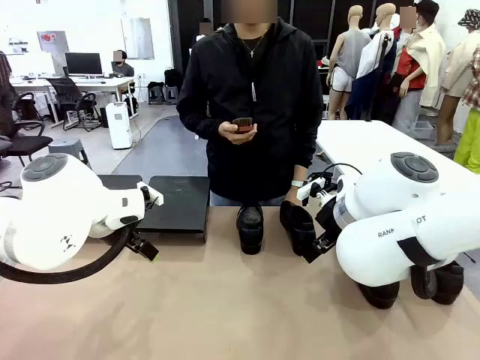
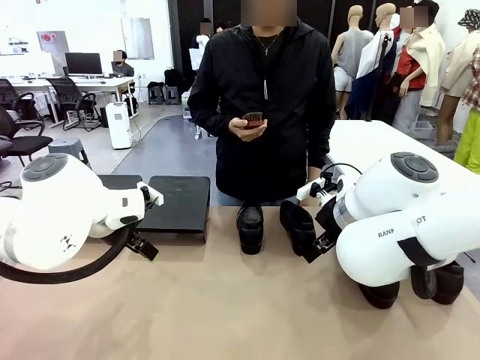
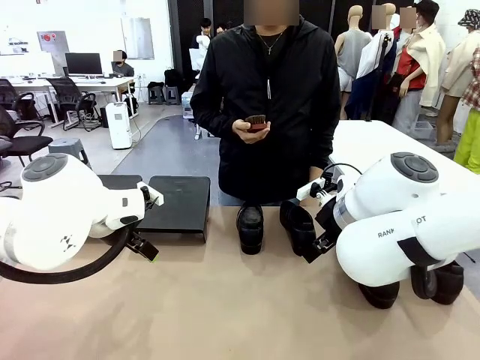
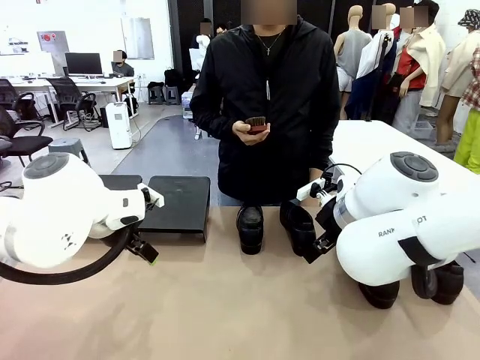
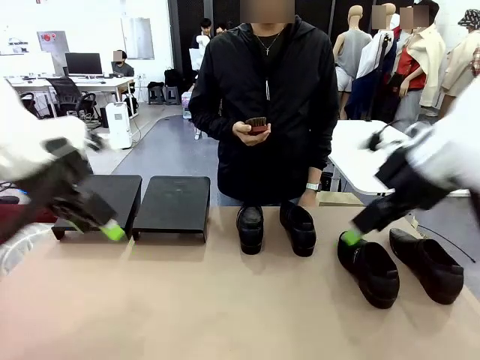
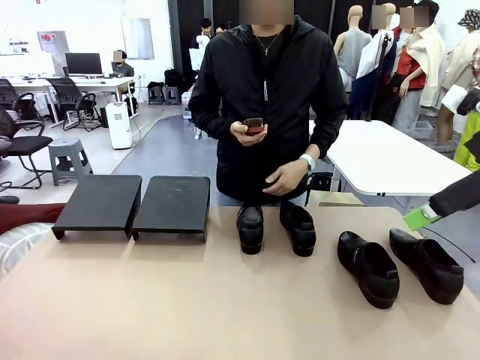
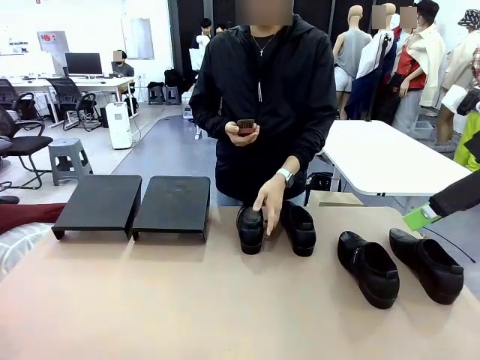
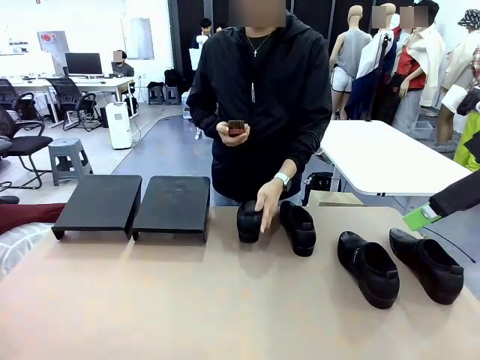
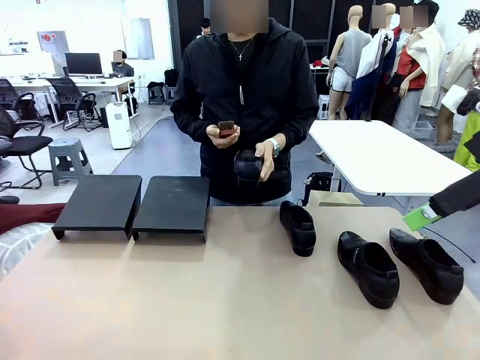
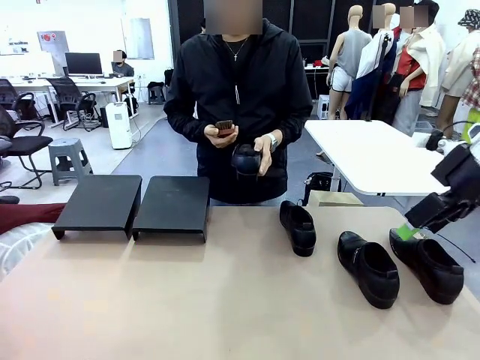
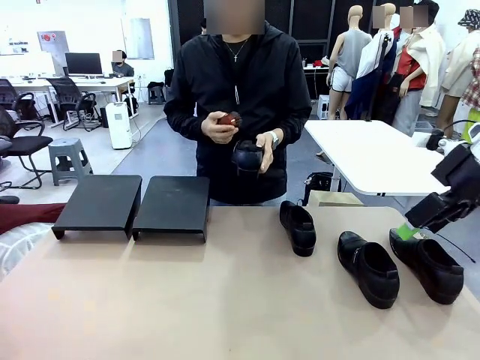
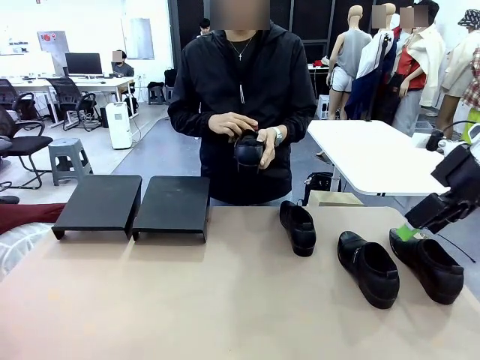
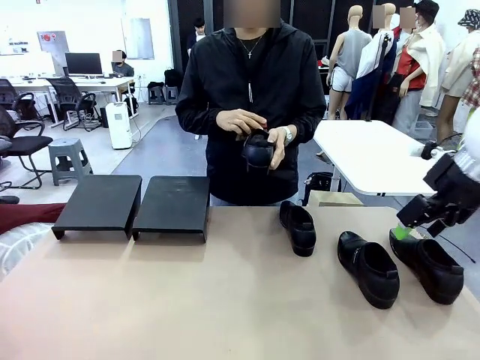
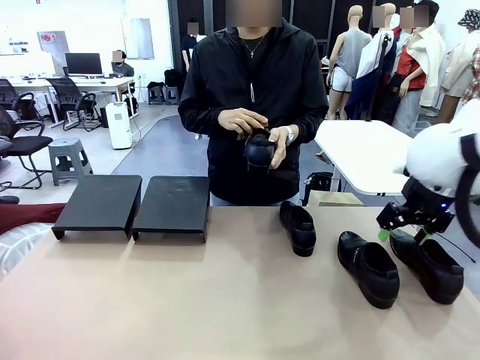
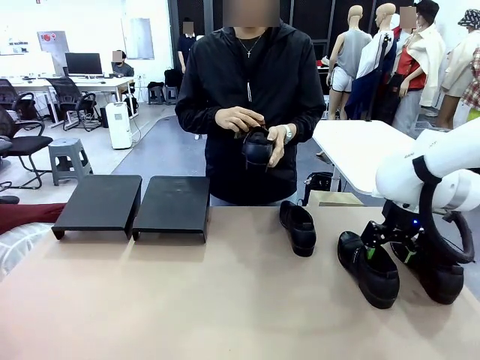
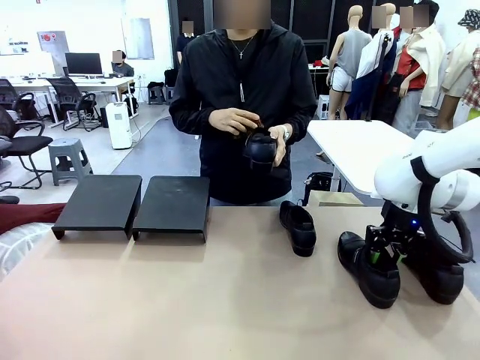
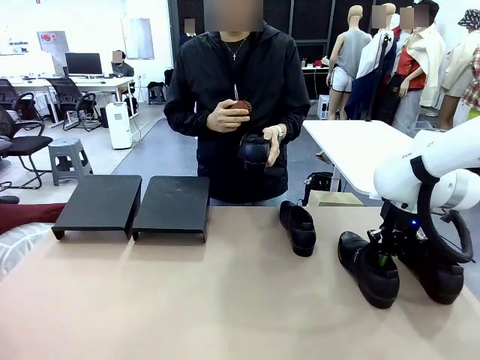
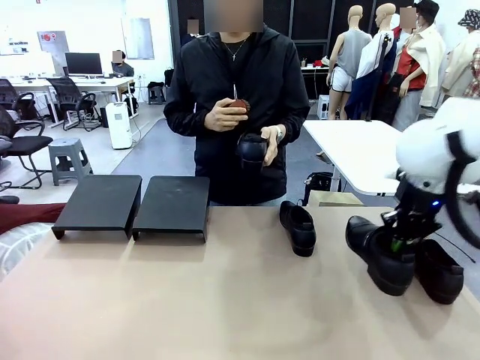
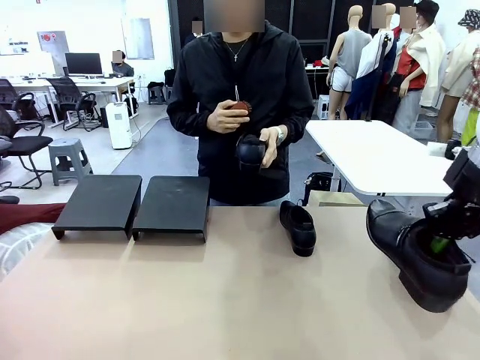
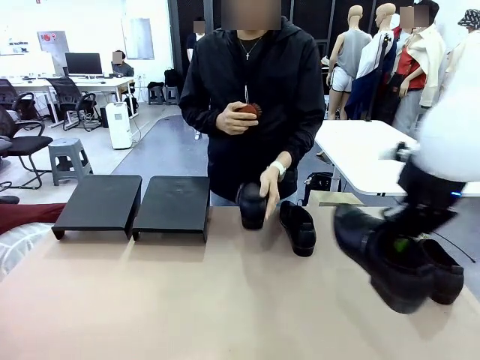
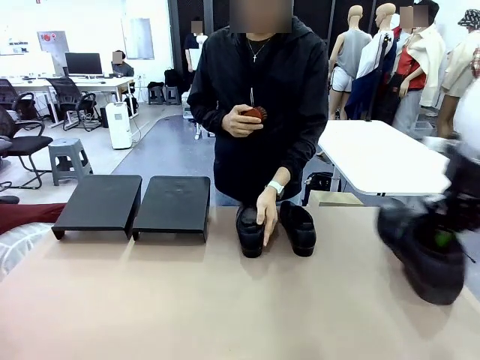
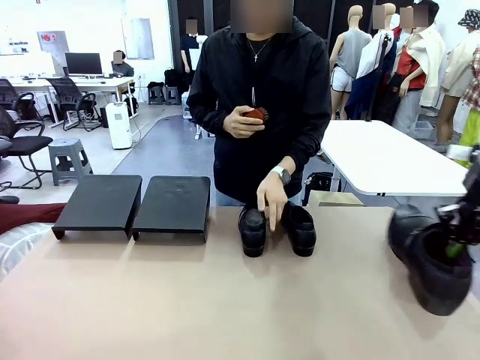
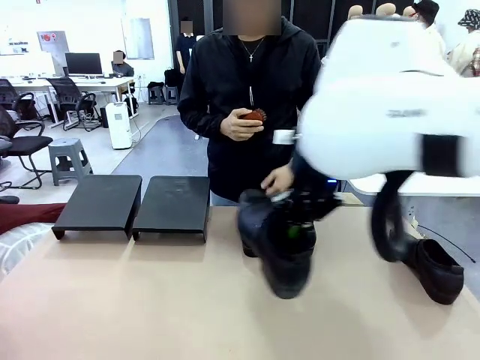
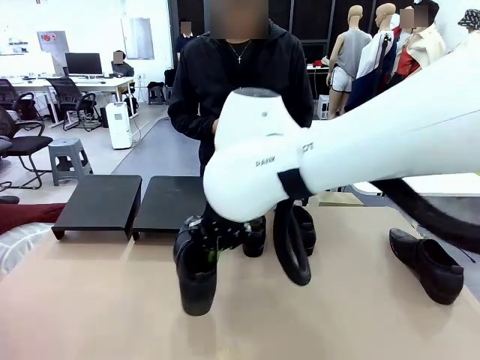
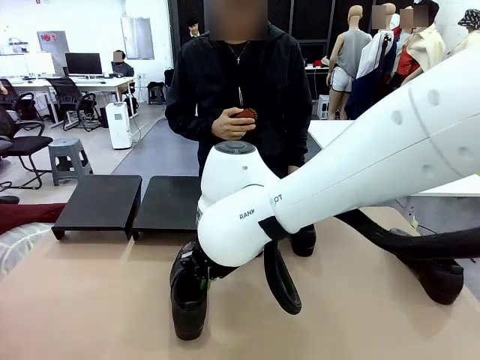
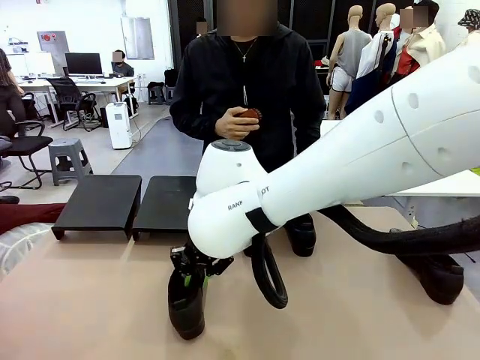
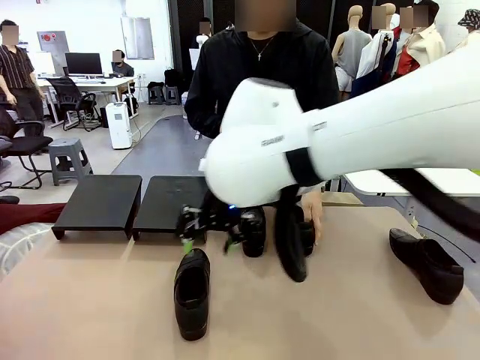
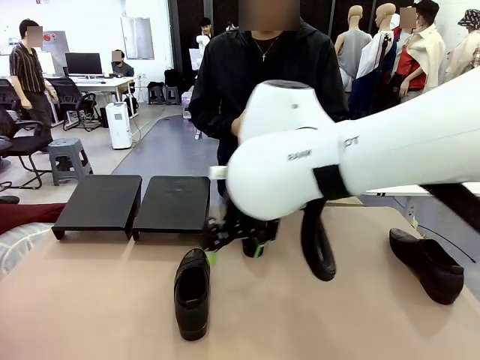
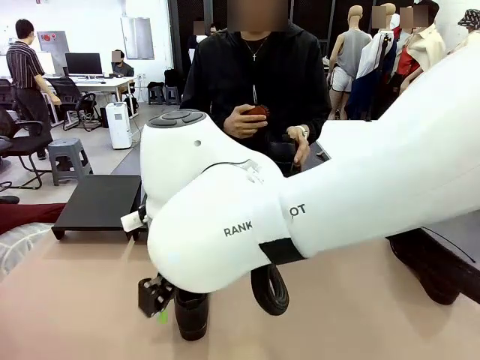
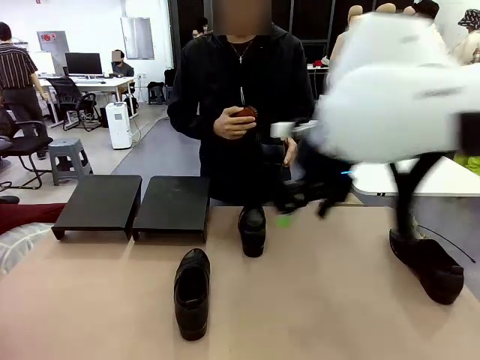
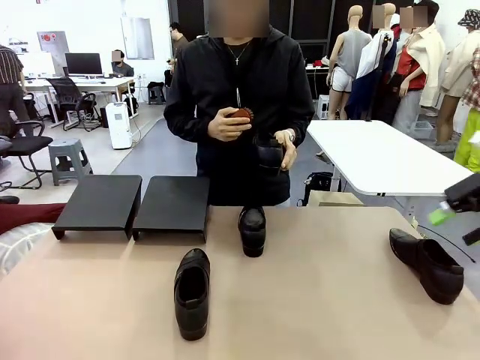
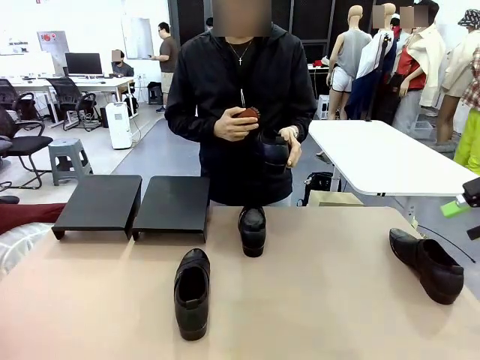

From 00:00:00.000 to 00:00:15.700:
Task: Organize the shoes by placing them on the stand.
Robot: Pick up one Shoe and place it in the middle of the table.
Person: Pick one Shoe on Robot's table. Clean the Shoe with the Shoe Brush. Place the Shoe on left side of the Robot's table. Pick one Shoe on Robot's table.

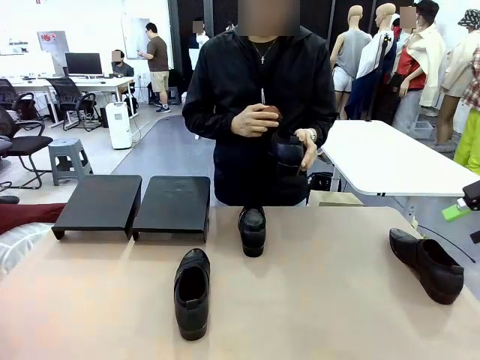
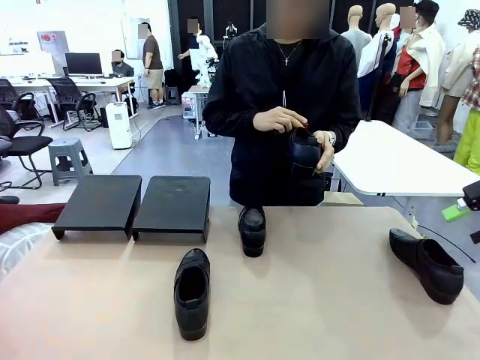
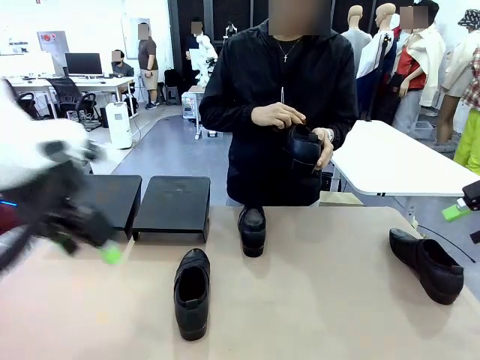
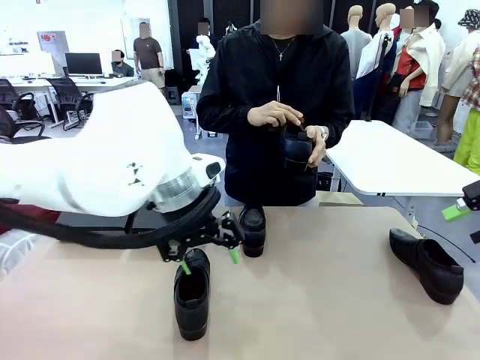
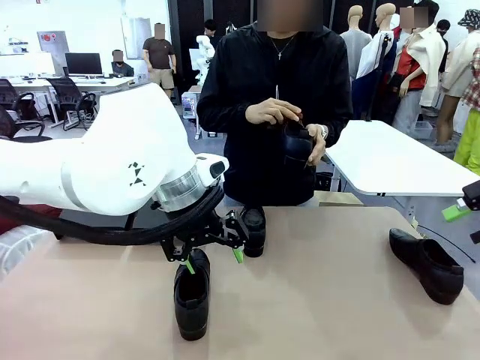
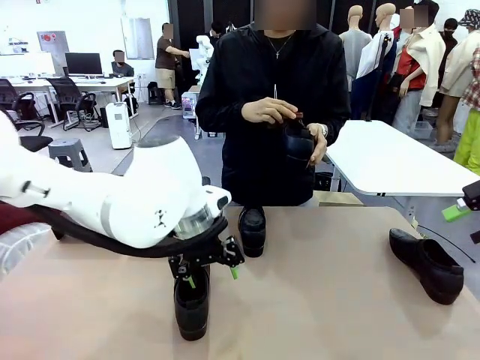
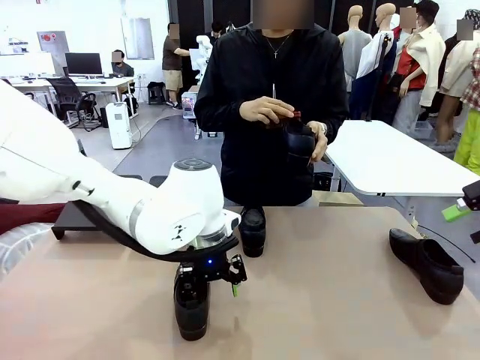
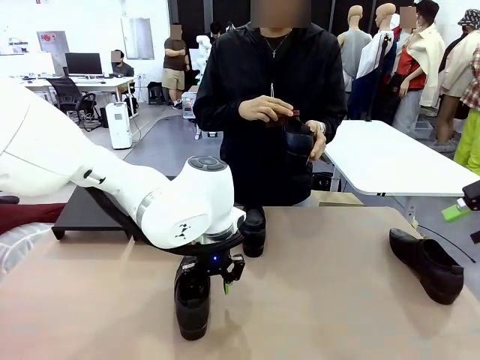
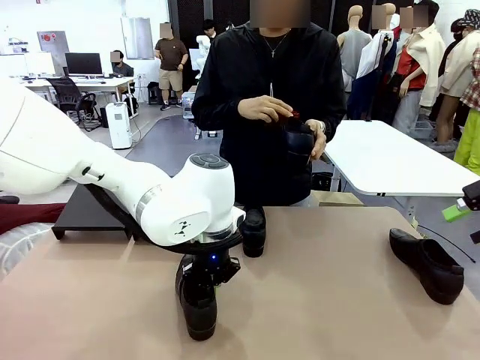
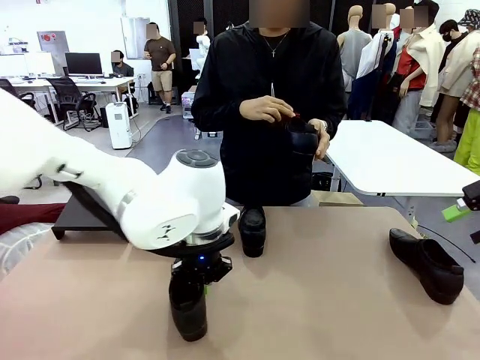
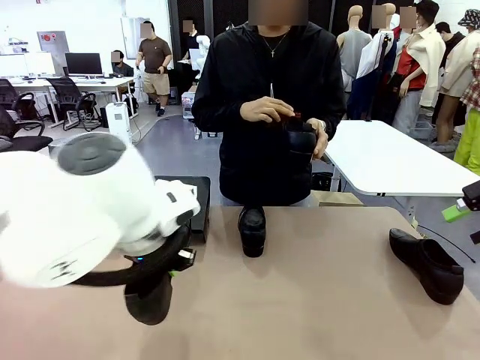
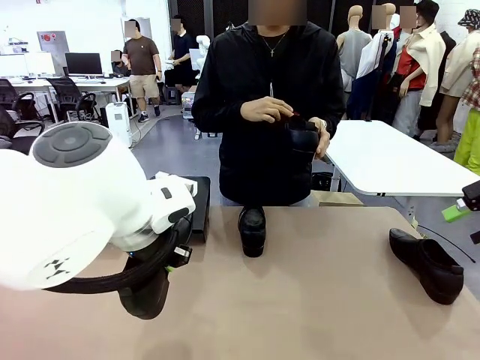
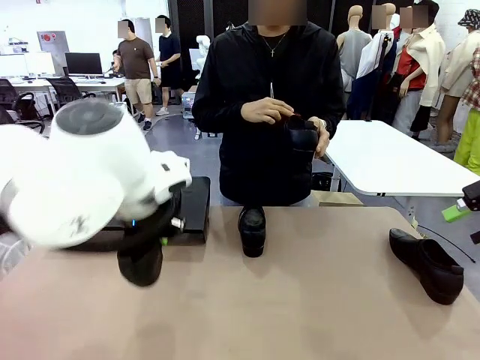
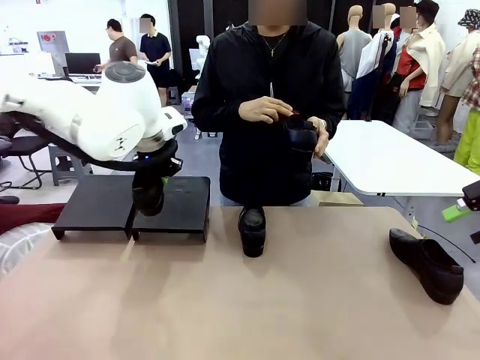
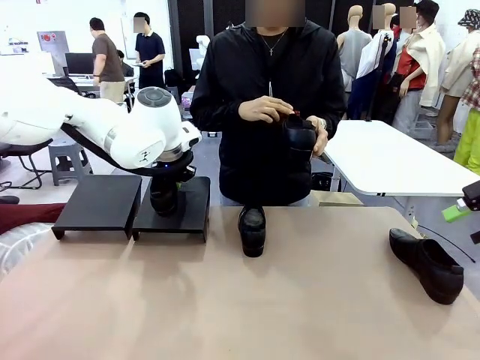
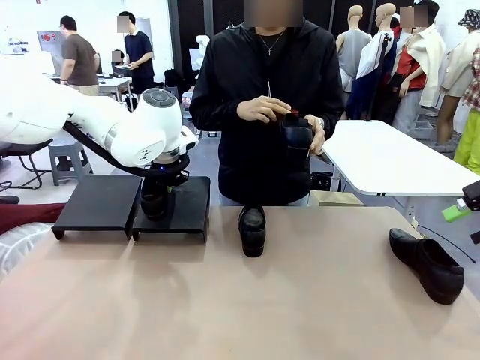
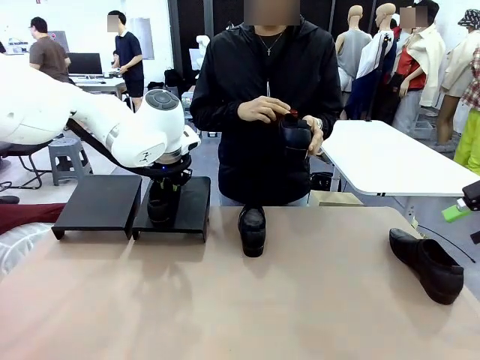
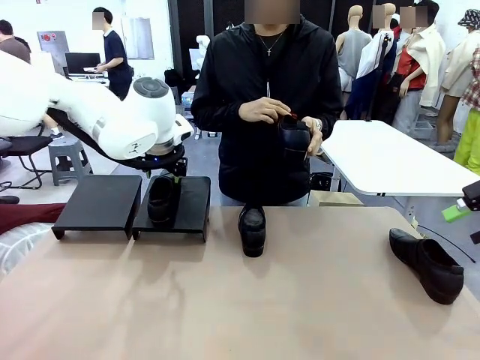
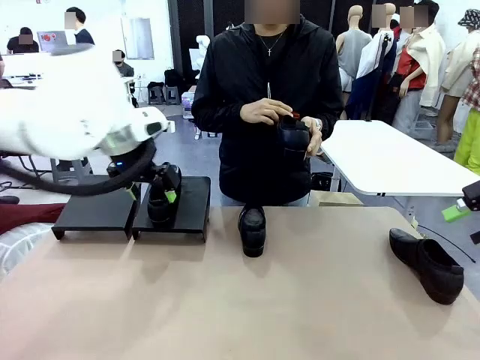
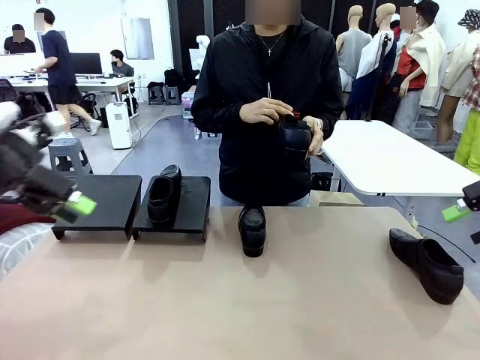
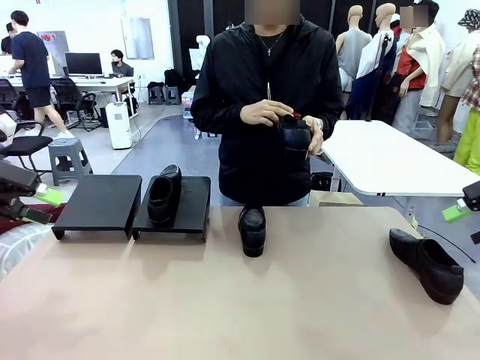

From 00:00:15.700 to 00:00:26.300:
Robot: Place the Shoe from the middle of the table onto the Shoes Stand.
Person: Clean the Shoe with the Shoe Brush.
